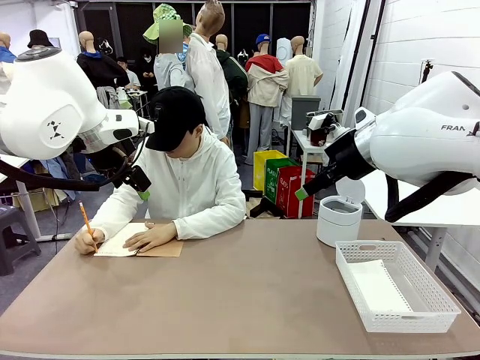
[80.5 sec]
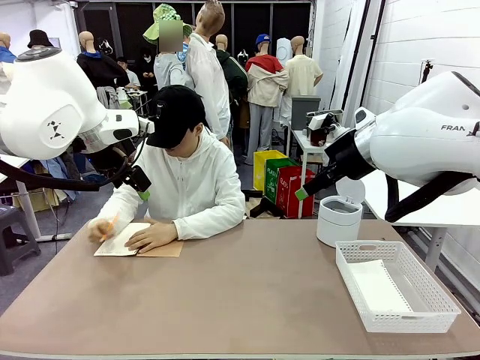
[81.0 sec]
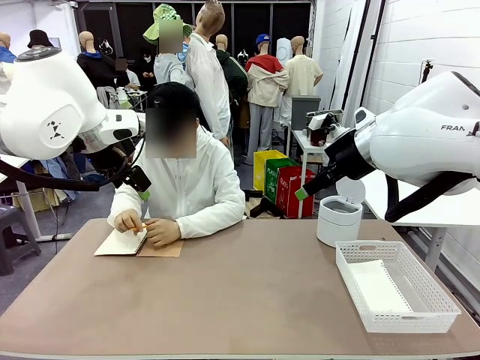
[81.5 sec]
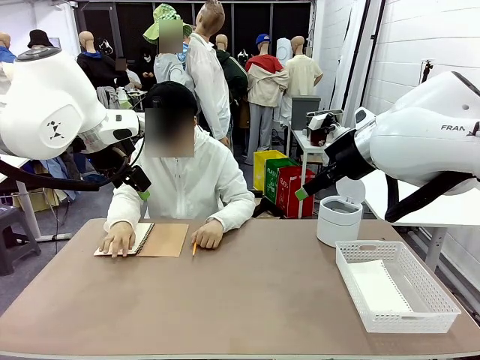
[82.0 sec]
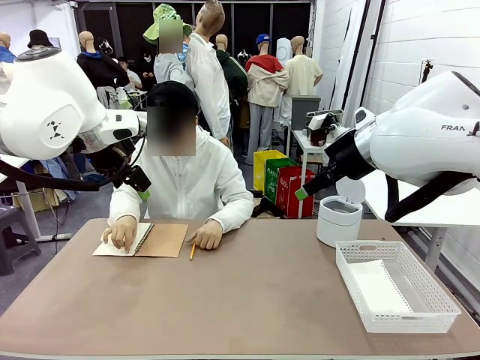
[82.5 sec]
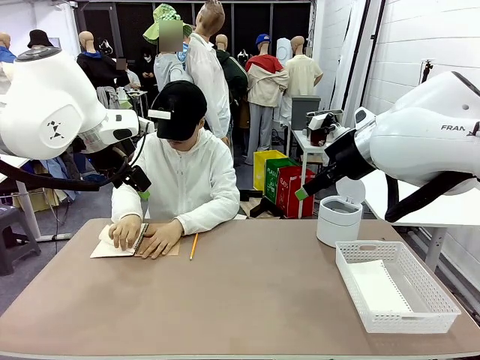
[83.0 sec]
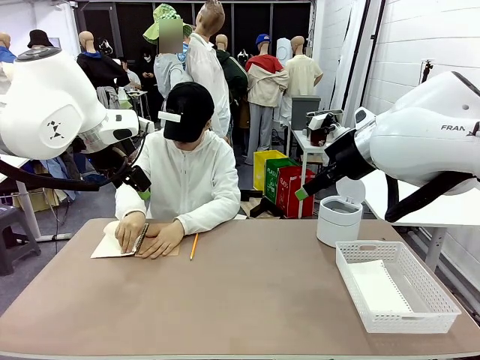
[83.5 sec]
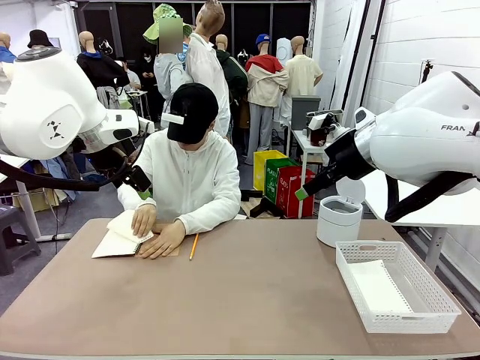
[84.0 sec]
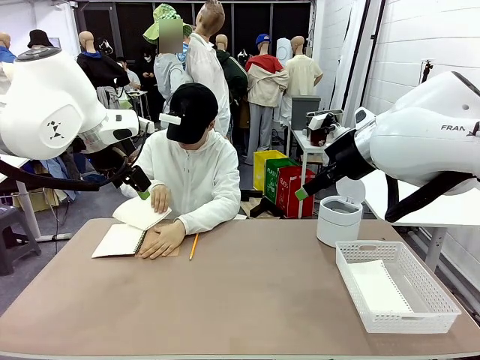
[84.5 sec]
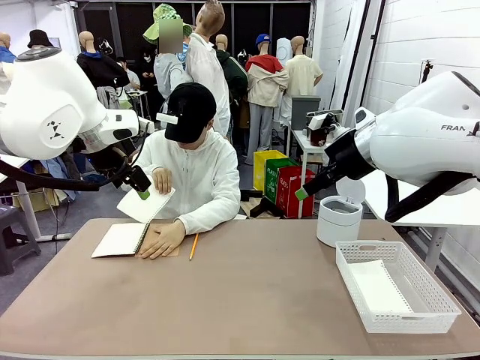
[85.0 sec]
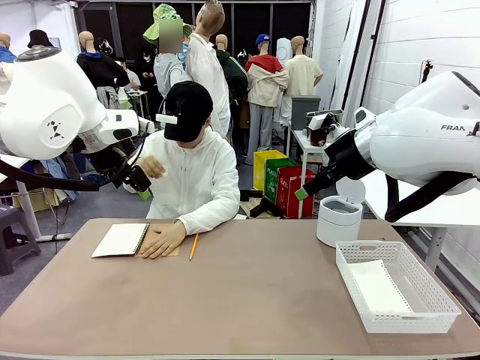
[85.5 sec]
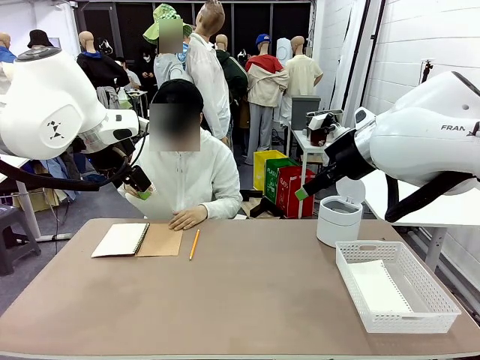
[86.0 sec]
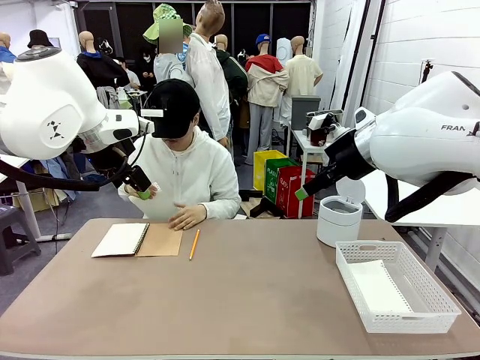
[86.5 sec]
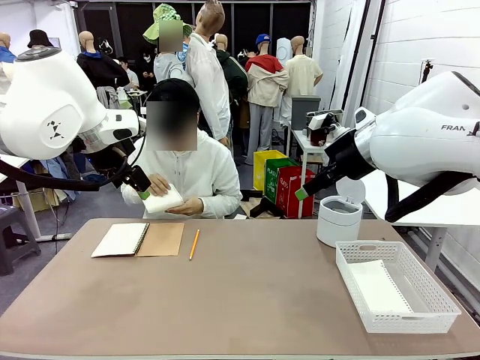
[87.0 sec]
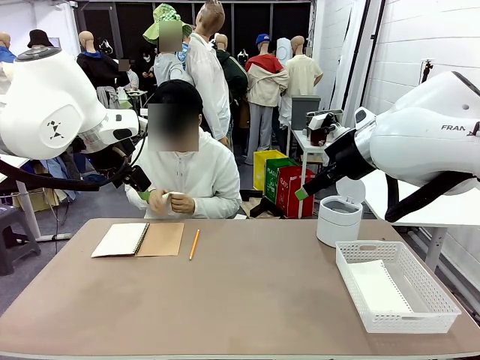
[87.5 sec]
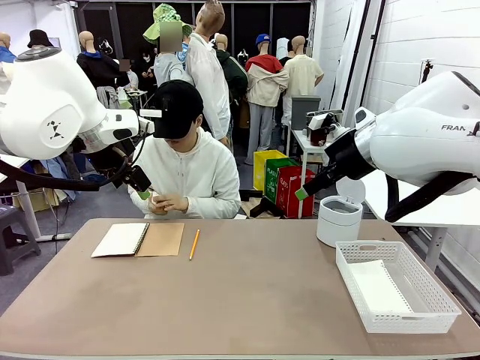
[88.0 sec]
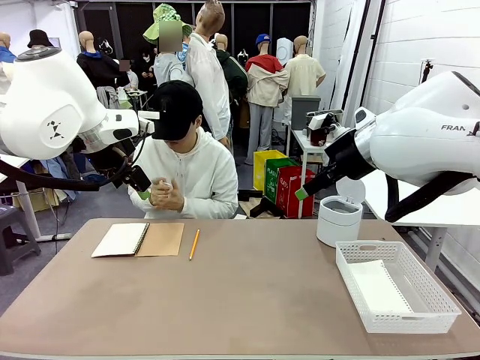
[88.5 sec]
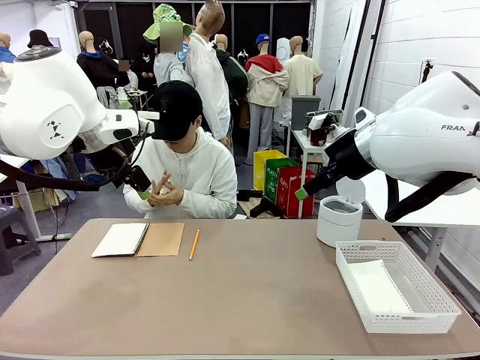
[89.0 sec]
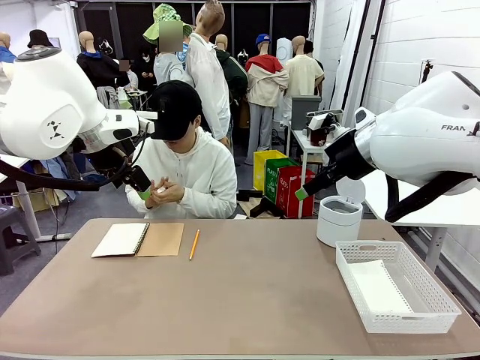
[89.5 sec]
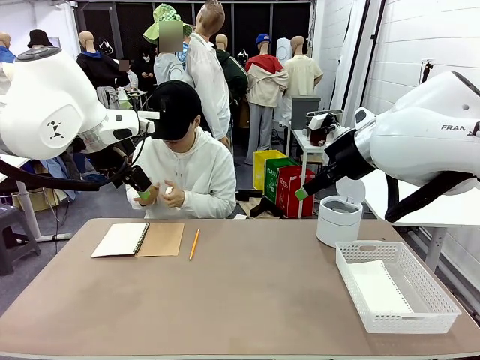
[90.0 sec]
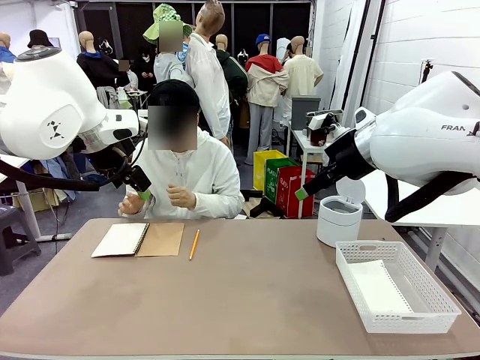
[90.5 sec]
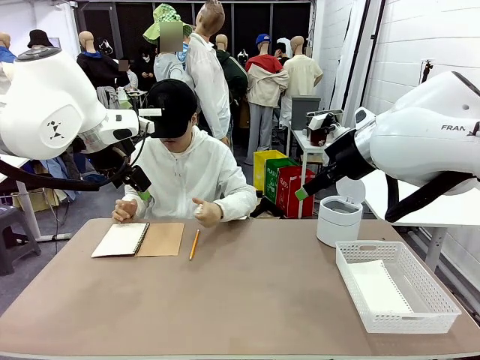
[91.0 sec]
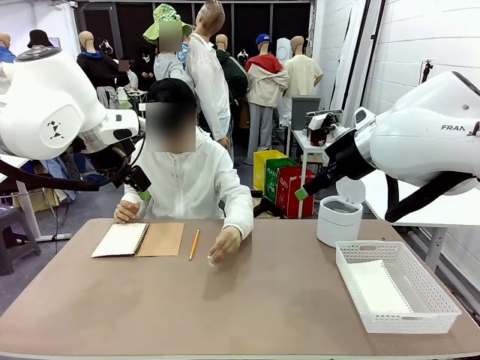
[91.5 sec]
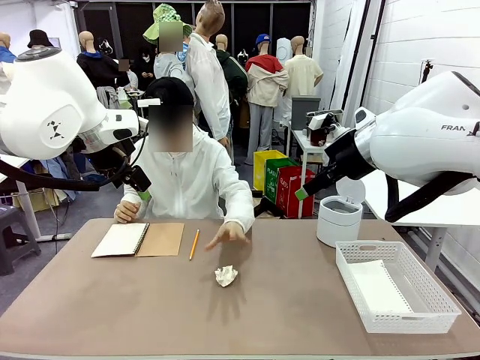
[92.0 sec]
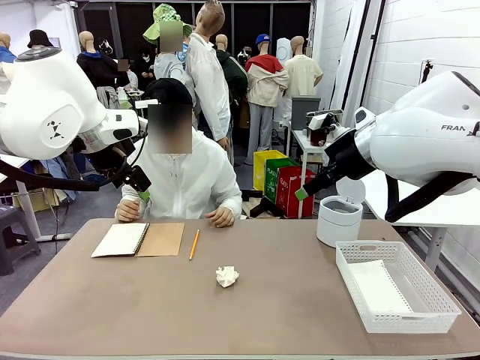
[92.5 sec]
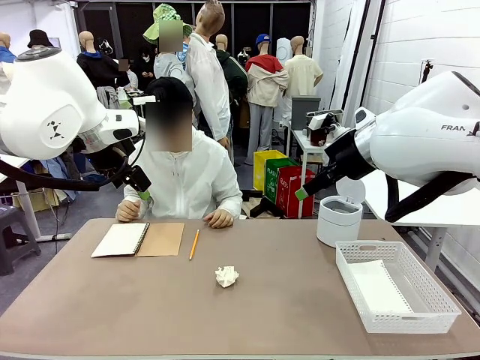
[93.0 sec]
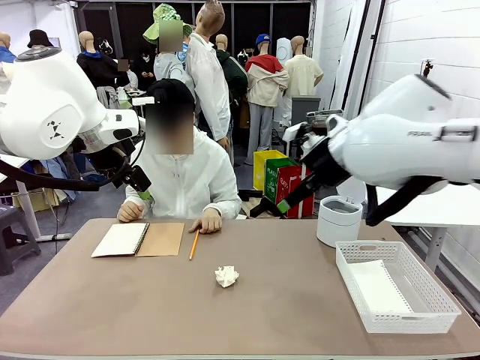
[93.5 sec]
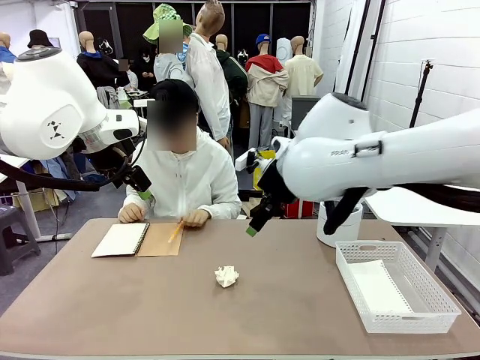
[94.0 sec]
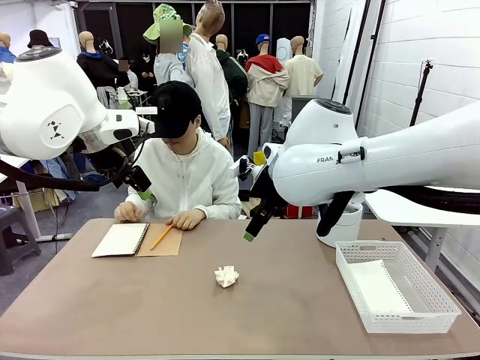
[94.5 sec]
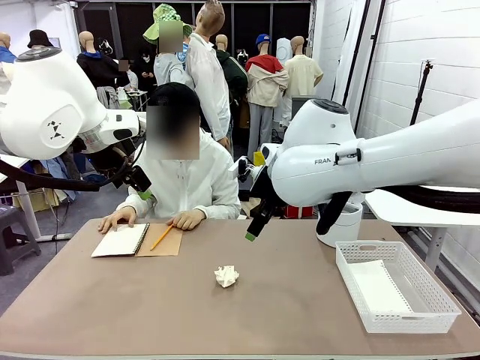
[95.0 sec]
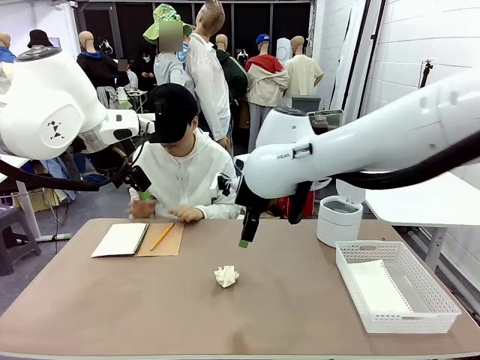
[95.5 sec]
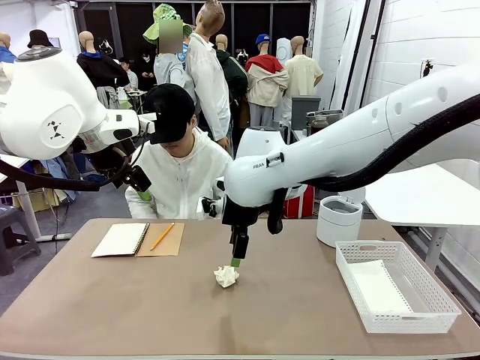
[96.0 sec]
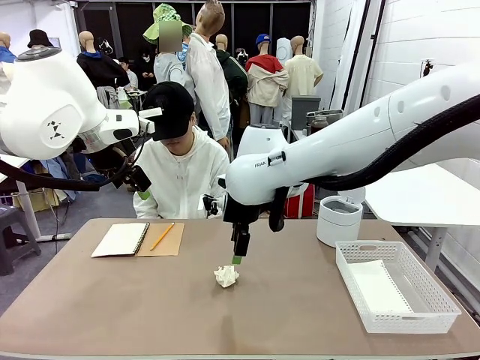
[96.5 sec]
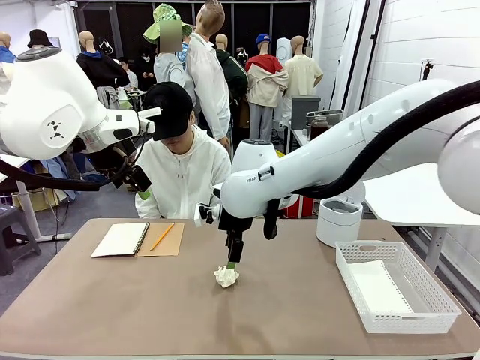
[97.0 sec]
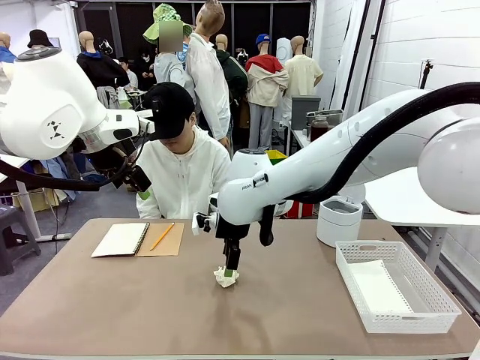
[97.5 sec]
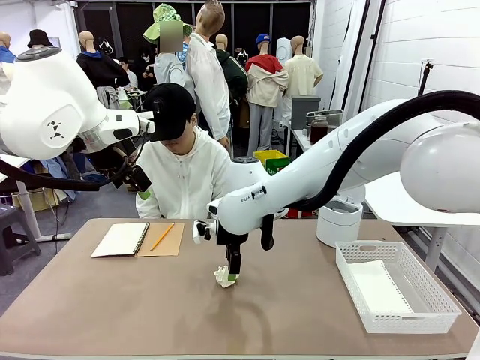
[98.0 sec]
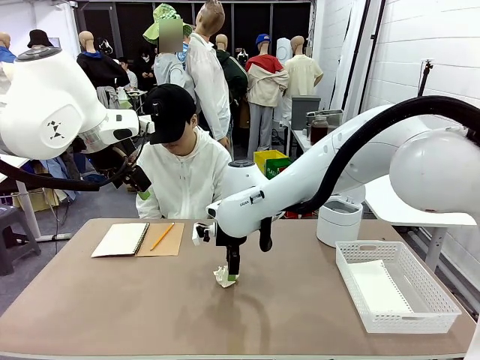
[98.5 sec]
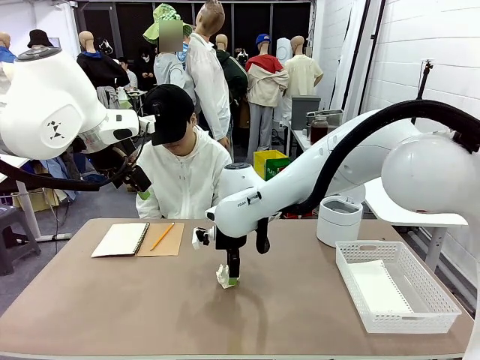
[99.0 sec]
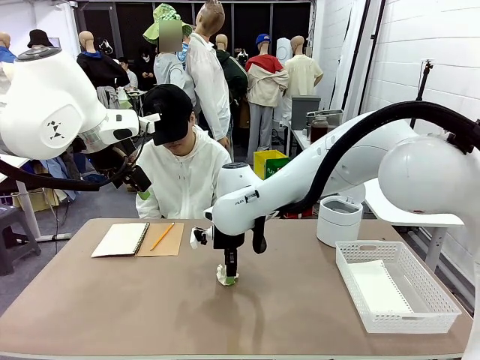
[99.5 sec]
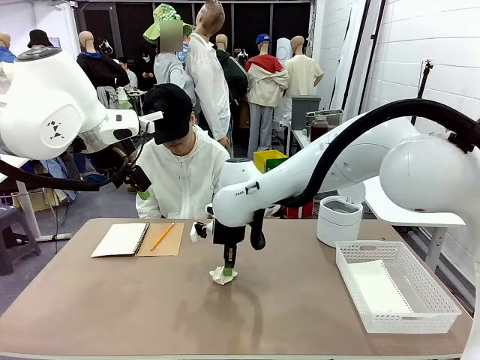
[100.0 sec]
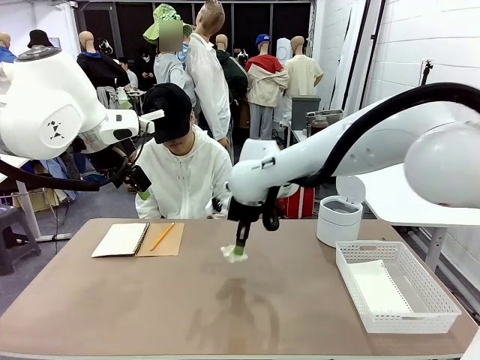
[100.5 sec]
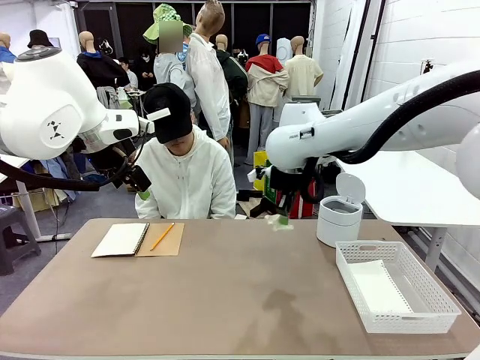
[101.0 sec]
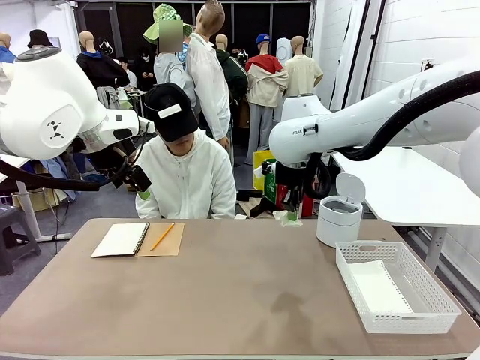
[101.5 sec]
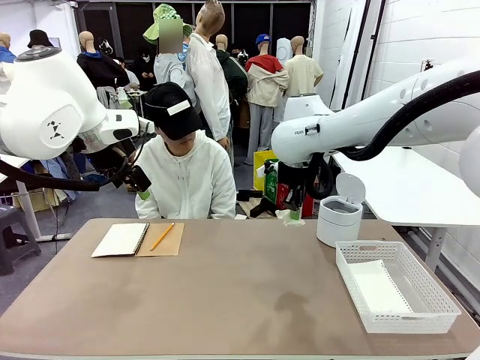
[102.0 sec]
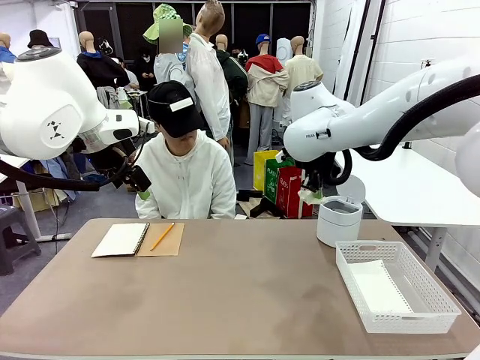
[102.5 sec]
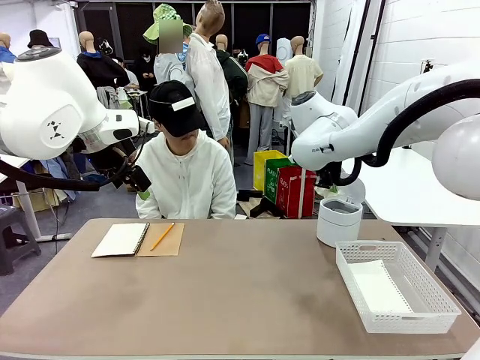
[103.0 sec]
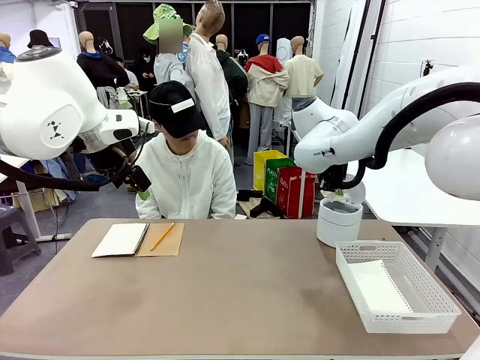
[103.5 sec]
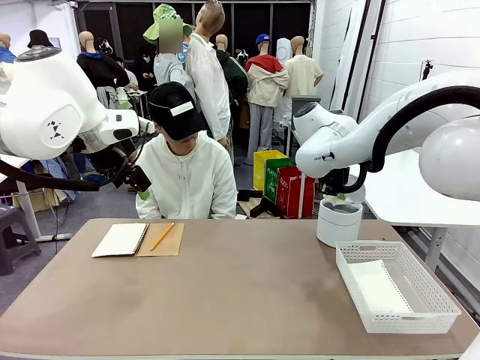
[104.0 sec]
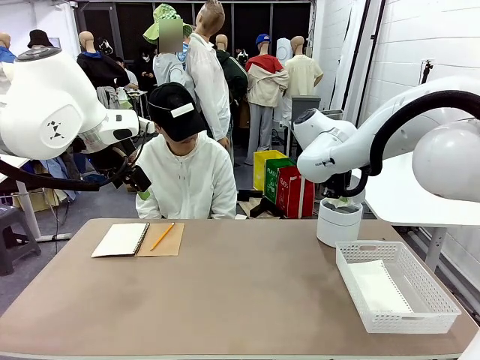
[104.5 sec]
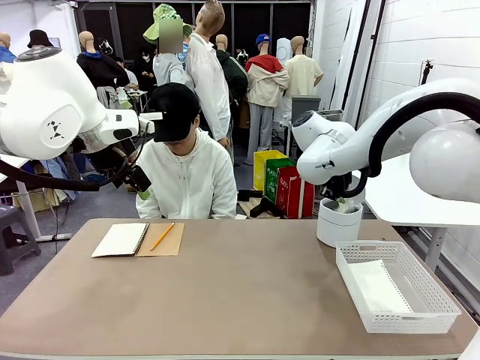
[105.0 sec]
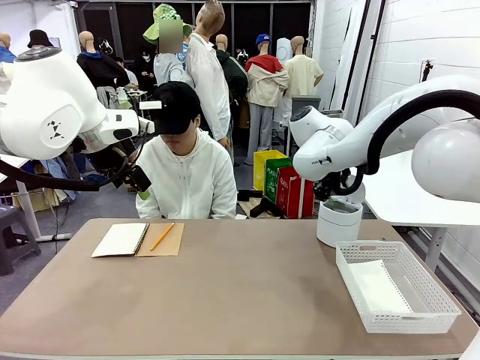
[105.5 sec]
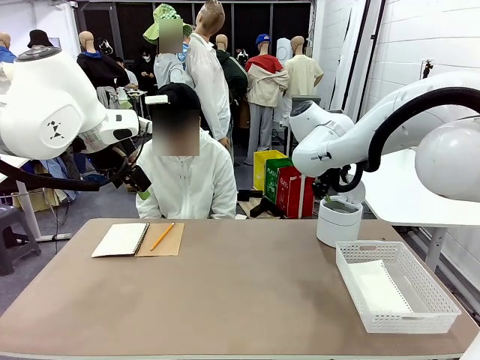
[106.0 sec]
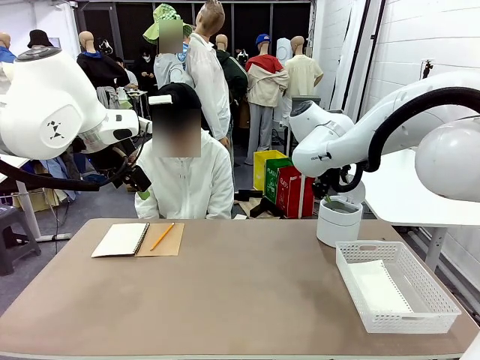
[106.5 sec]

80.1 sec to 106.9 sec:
Task: Sort the paper based on its condition.
Robot: If a person hands you a paper, place it in the Organizing basket , and if it's crumpled, put it in the Trash can.
Person: Hand the torn page to the robot or crumple it and throw it to the center of the table.
